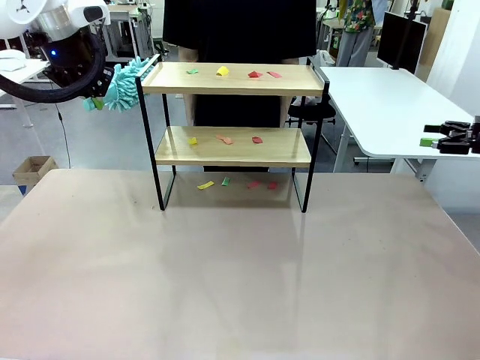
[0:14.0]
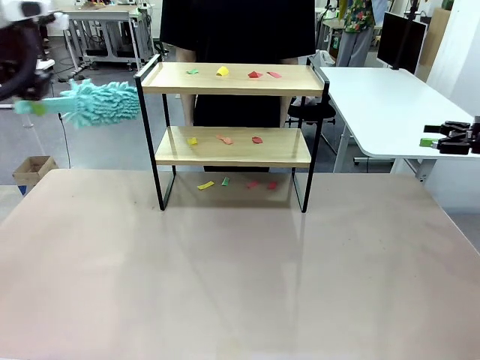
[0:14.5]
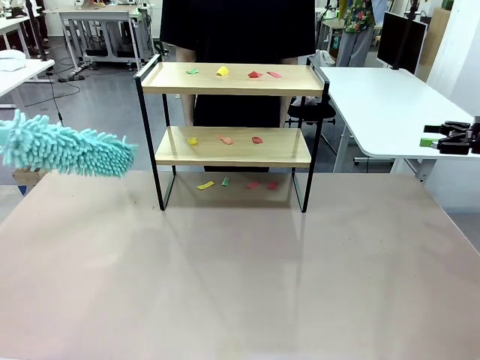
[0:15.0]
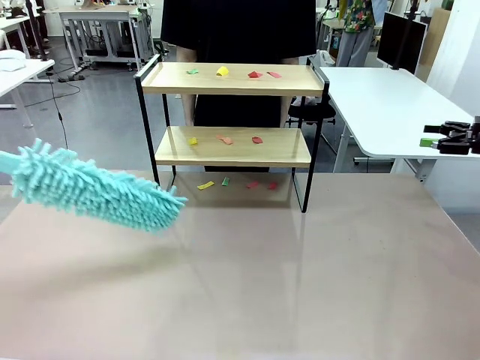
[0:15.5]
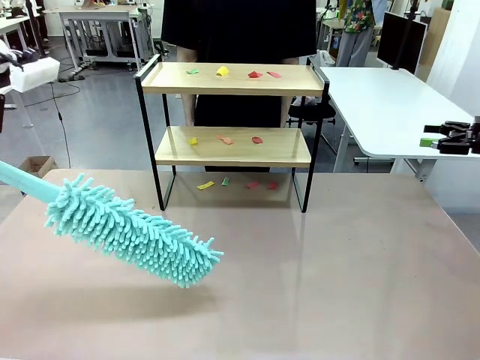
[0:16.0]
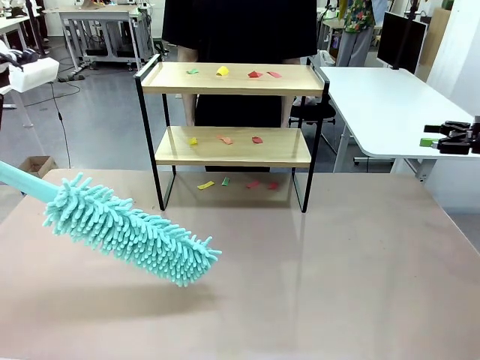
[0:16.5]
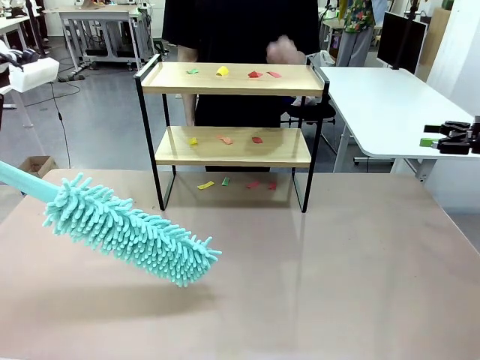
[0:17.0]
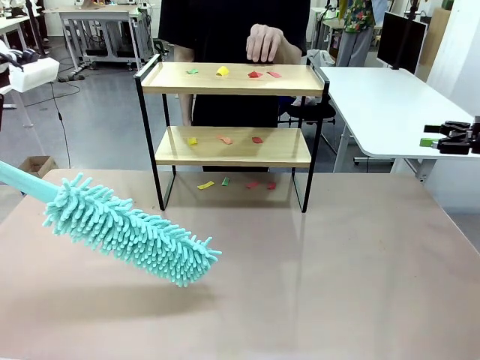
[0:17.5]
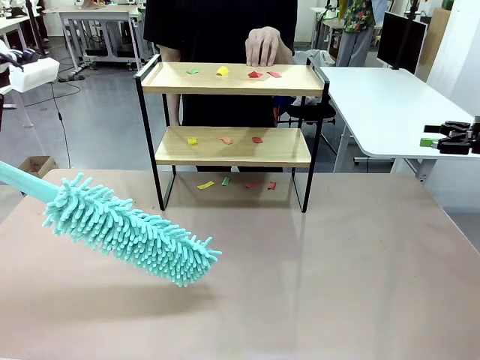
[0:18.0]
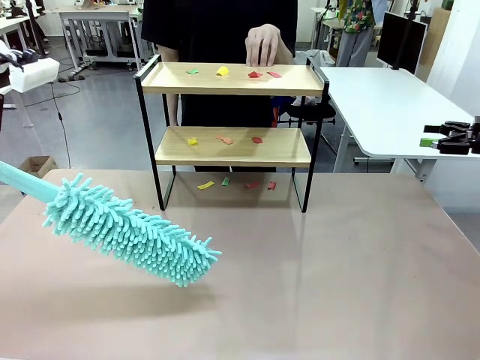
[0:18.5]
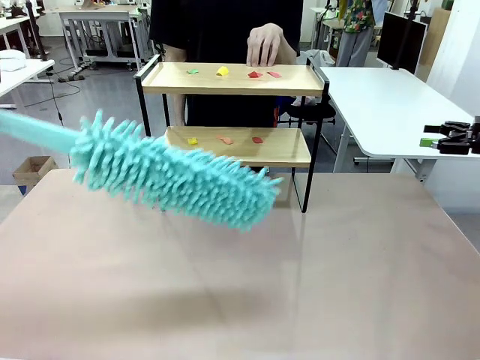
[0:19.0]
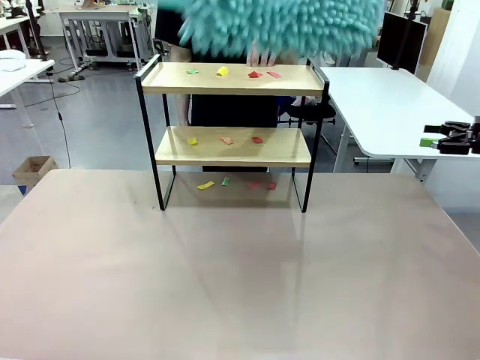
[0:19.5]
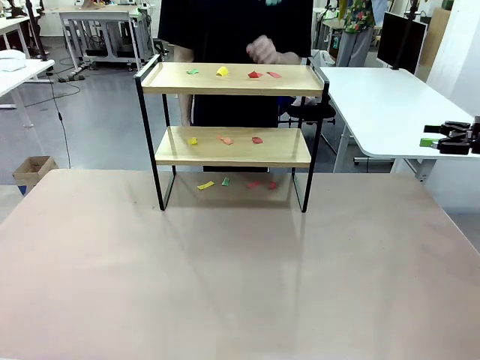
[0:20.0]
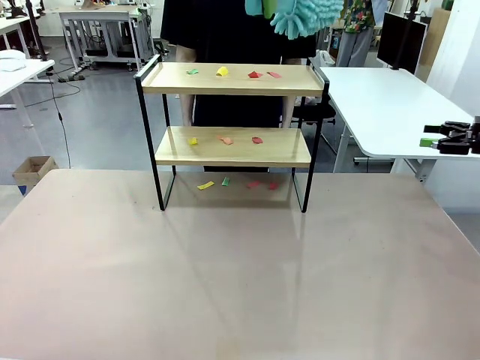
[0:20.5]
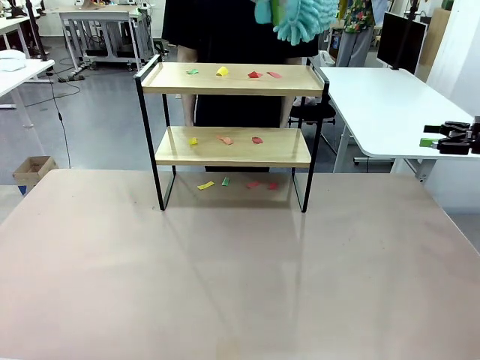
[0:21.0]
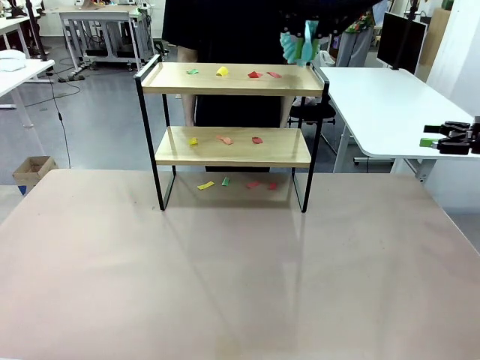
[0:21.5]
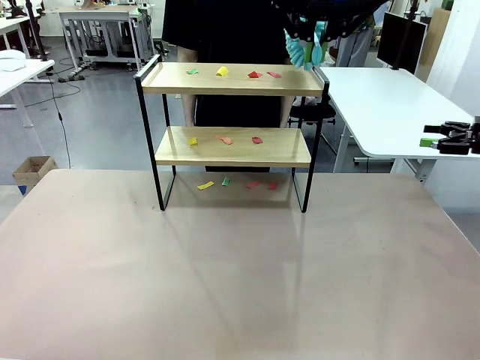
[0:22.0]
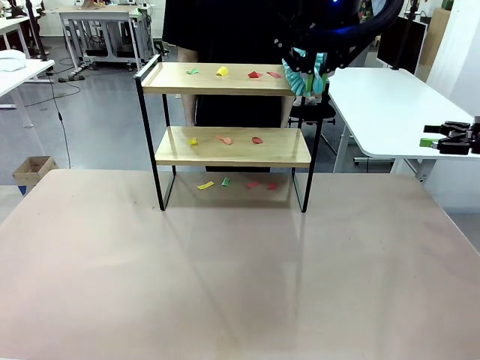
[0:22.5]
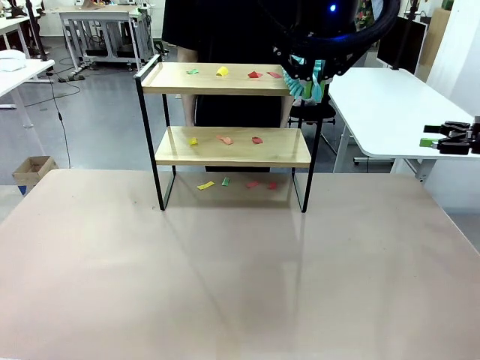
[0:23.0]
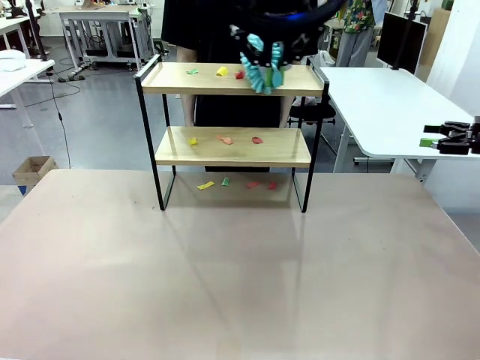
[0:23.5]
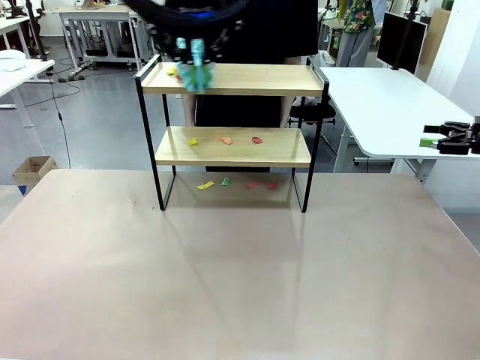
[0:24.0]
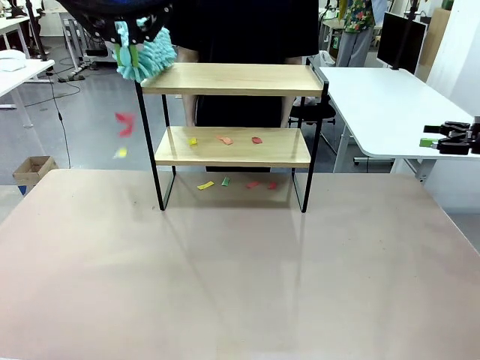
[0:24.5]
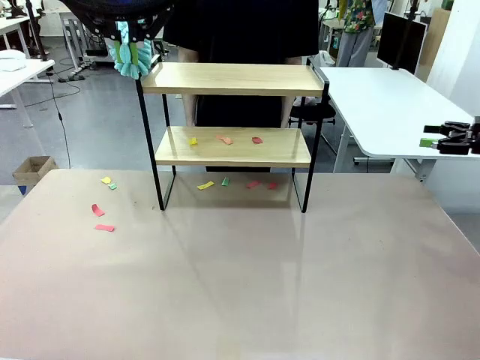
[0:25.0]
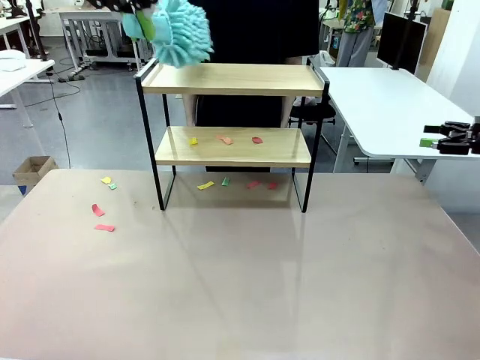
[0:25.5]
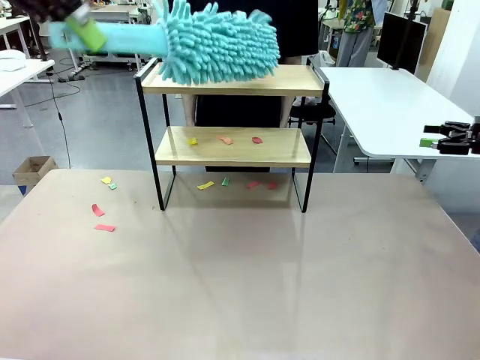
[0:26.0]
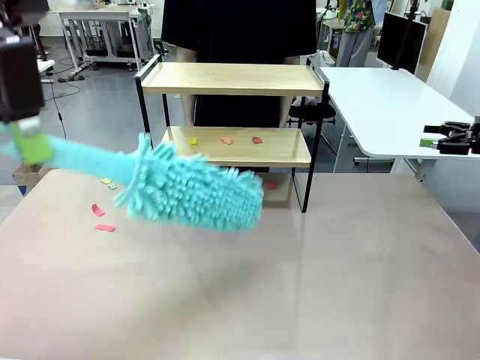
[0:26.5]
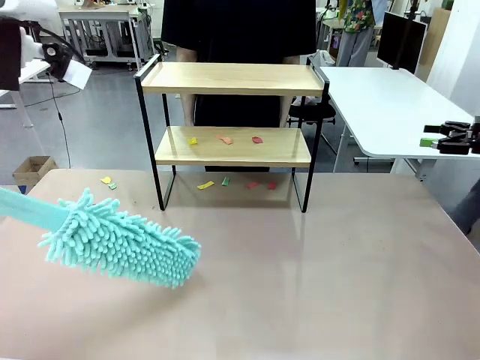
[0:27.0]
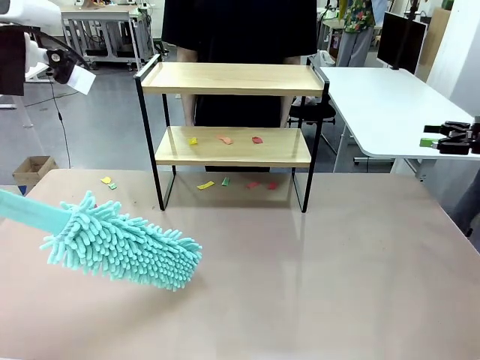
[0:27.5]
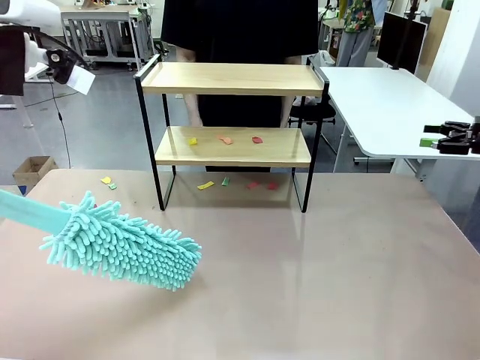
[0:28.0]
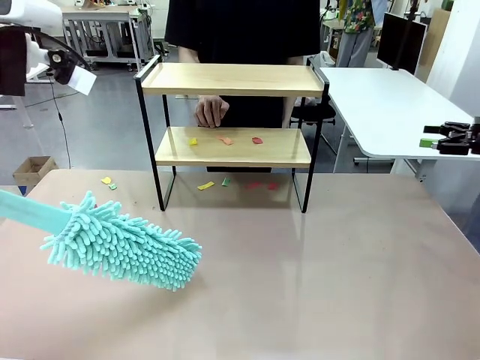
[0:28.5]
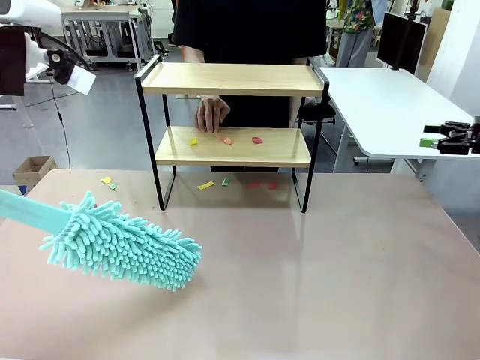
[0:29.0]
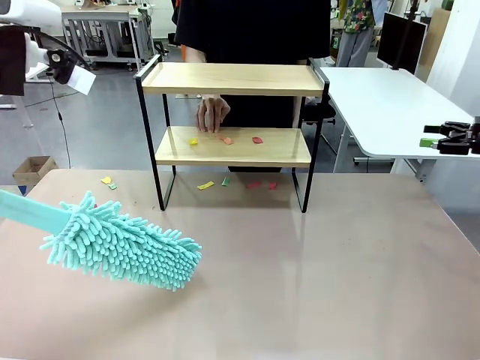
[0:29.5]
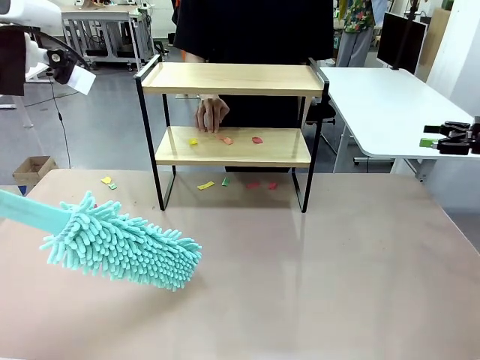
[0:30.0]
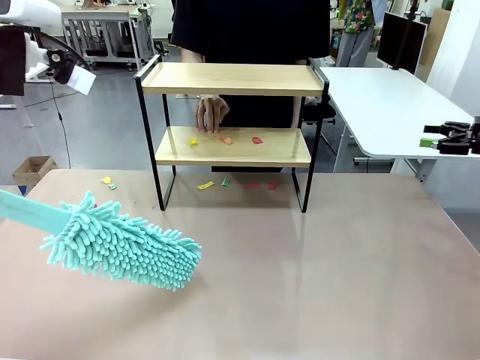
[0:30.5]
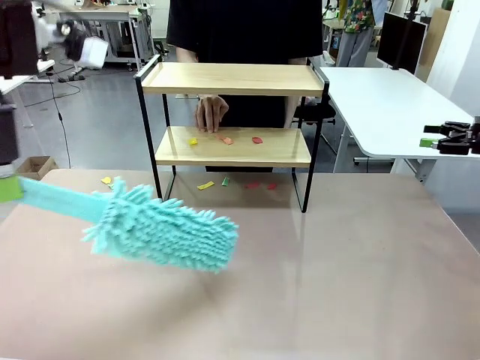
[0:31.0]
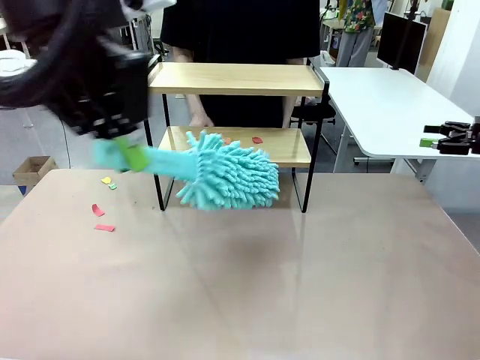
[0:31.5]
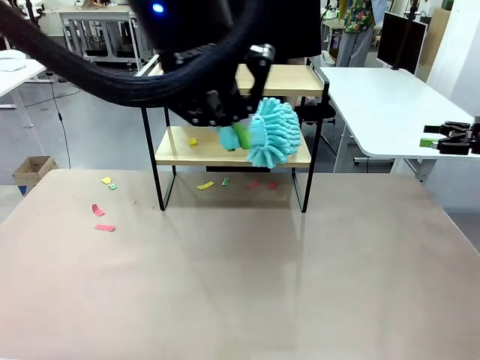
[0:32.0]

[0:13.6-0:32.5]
Task: Clean the shelf.
Robot: Clean the specific section of the Shelf indicated by the human with the Duster.
Person: Point a random section of the Shelf.
